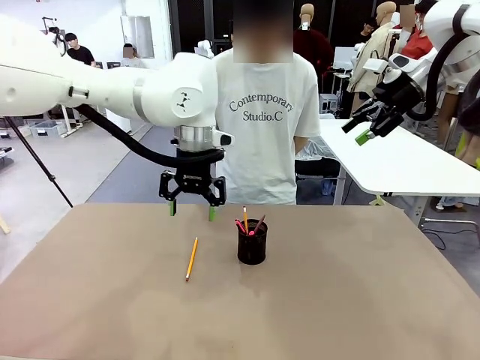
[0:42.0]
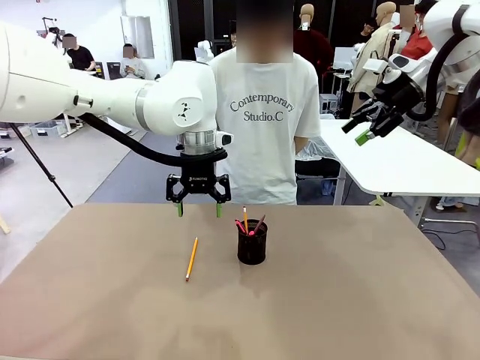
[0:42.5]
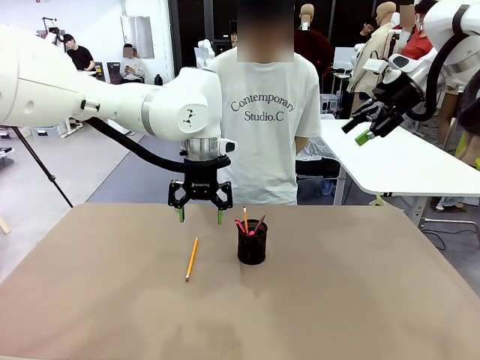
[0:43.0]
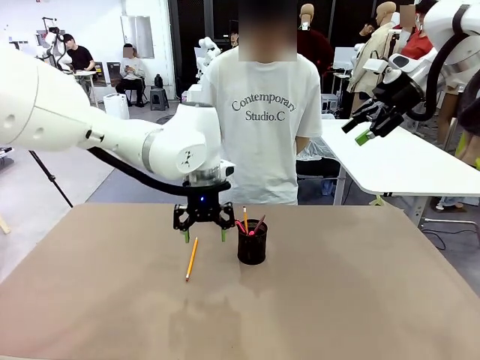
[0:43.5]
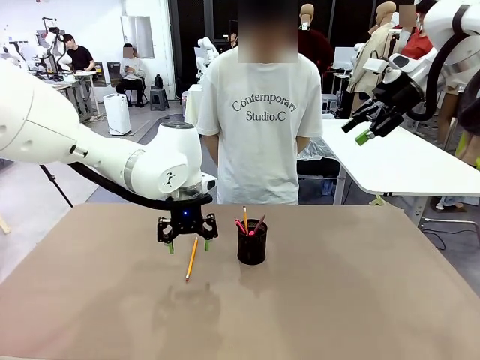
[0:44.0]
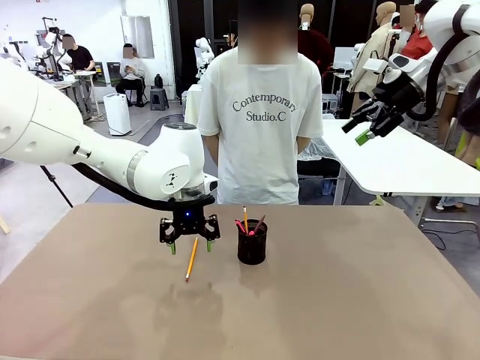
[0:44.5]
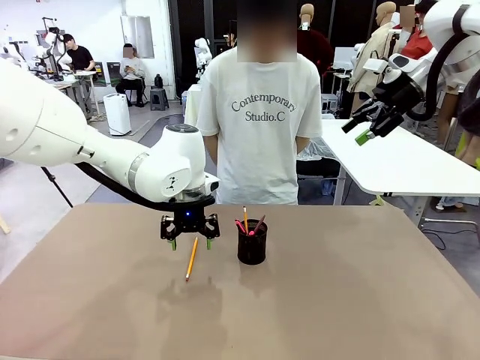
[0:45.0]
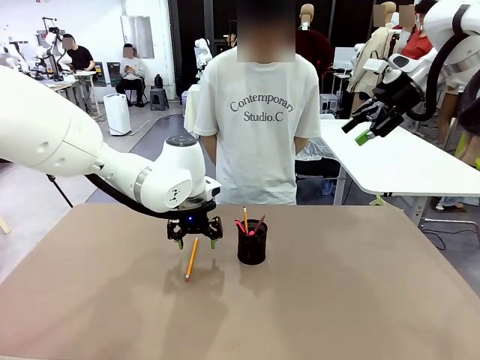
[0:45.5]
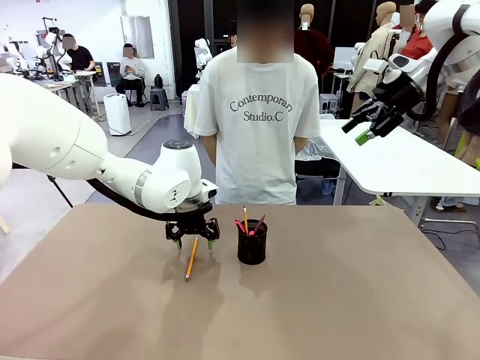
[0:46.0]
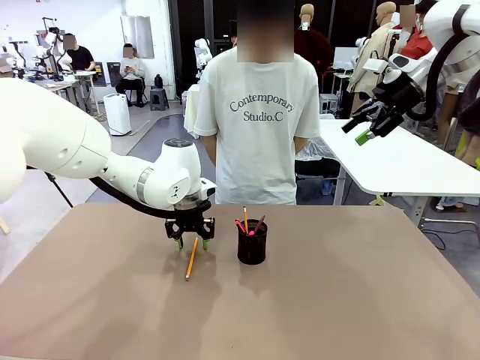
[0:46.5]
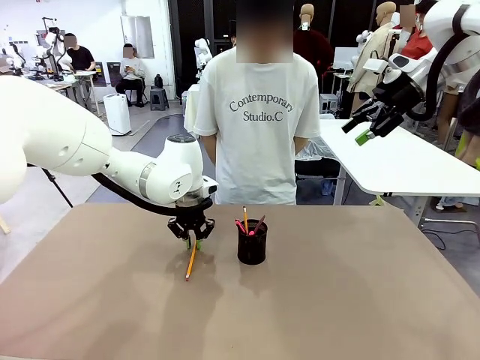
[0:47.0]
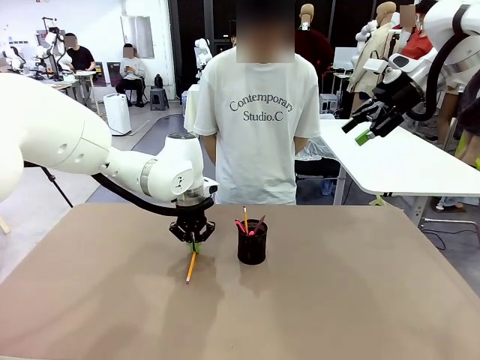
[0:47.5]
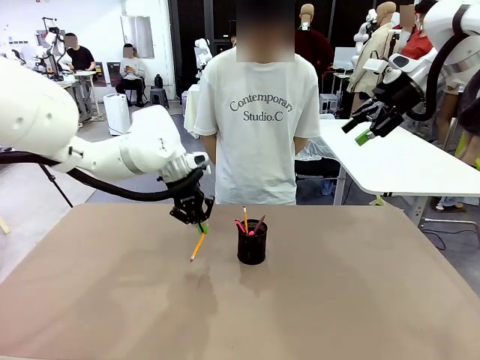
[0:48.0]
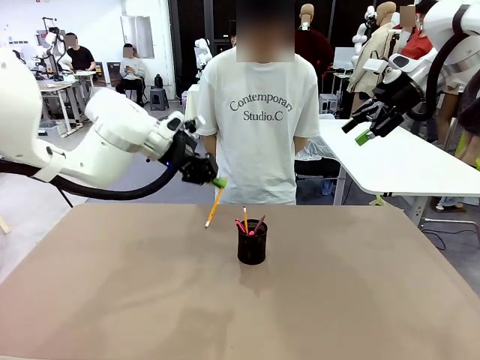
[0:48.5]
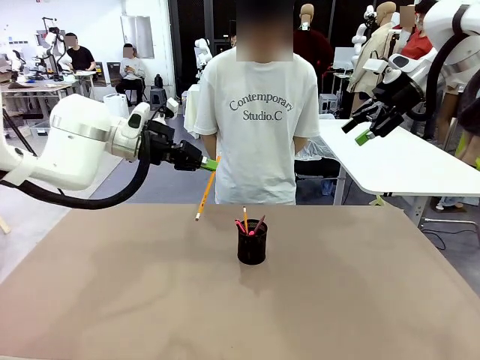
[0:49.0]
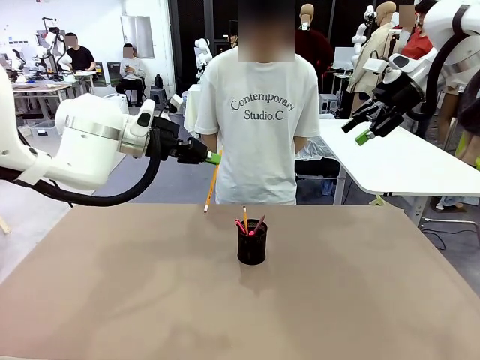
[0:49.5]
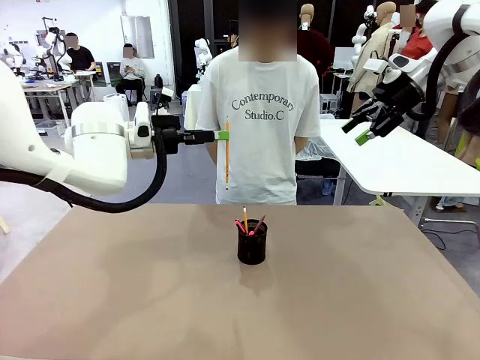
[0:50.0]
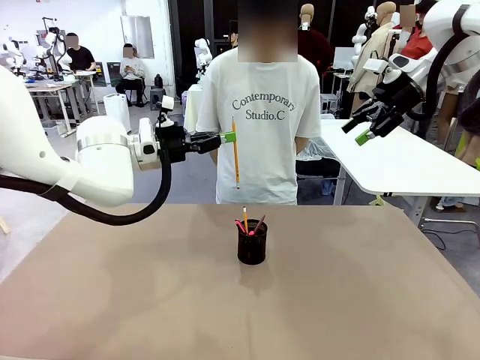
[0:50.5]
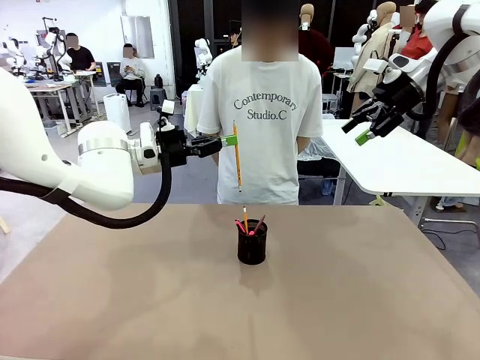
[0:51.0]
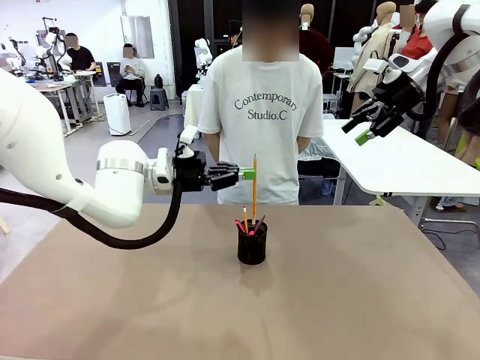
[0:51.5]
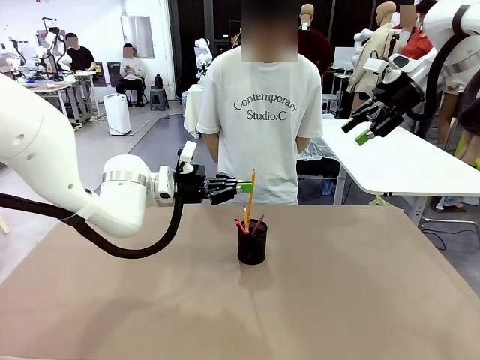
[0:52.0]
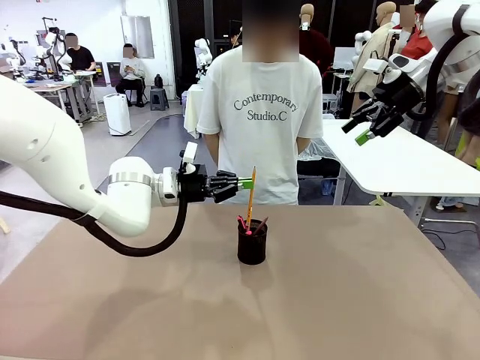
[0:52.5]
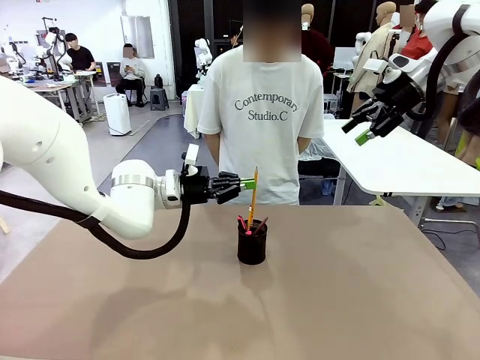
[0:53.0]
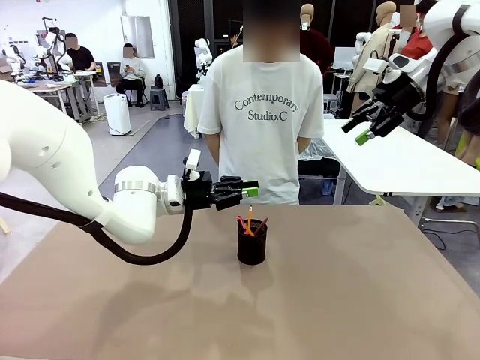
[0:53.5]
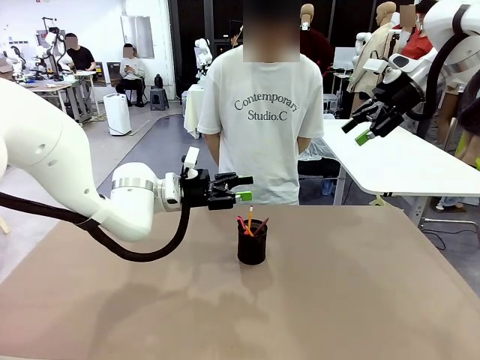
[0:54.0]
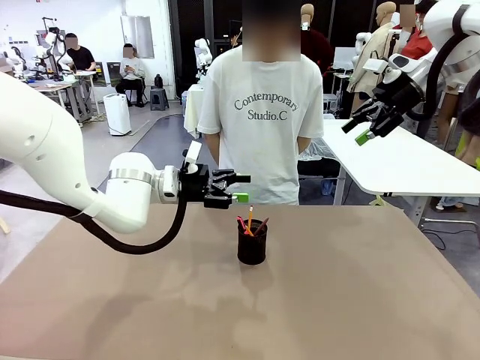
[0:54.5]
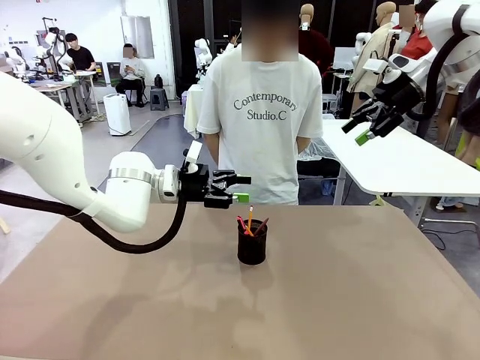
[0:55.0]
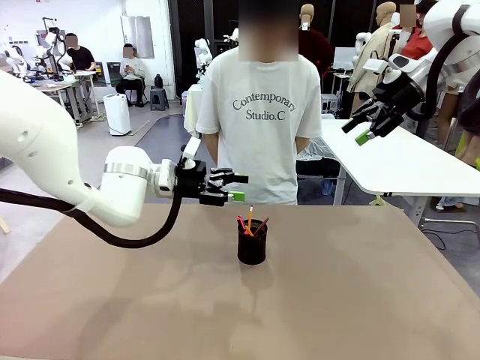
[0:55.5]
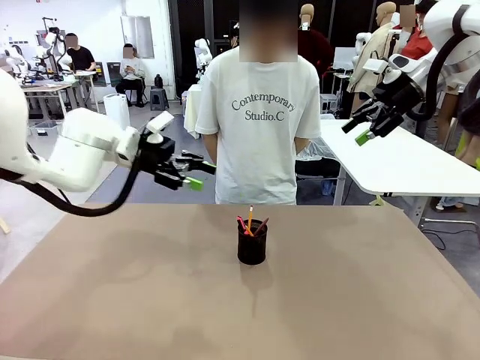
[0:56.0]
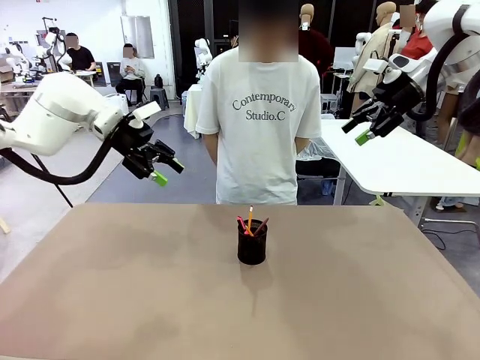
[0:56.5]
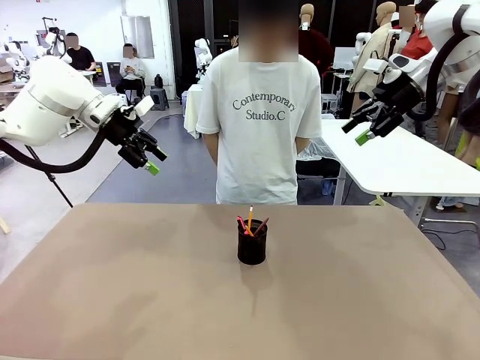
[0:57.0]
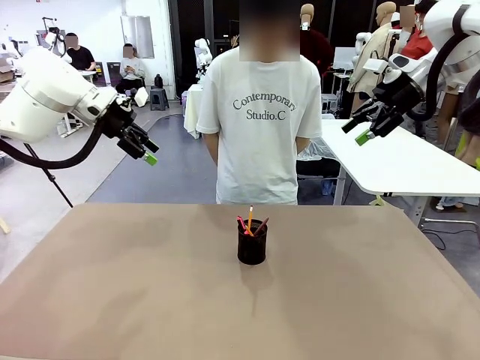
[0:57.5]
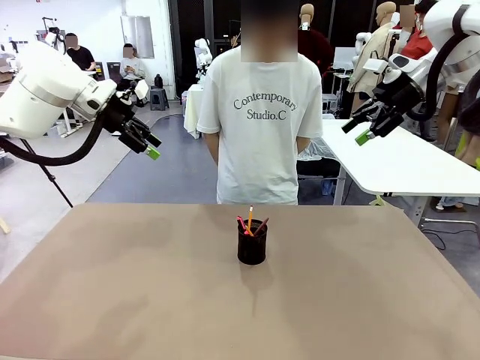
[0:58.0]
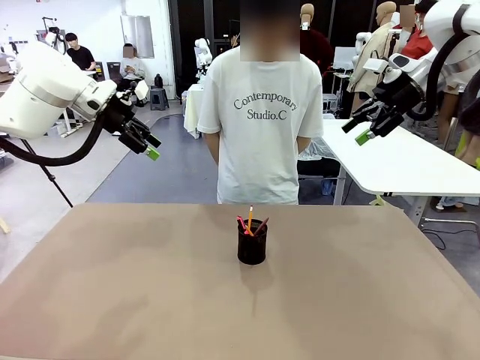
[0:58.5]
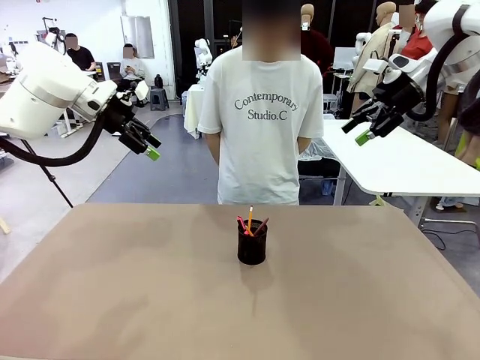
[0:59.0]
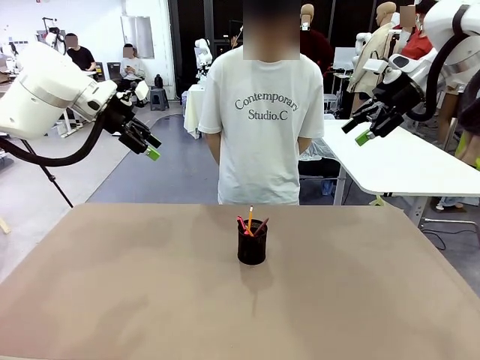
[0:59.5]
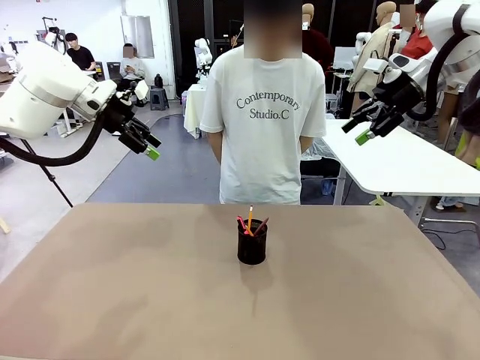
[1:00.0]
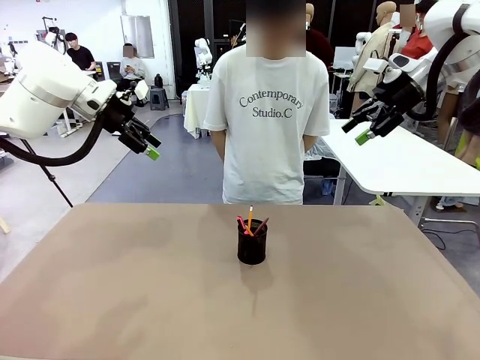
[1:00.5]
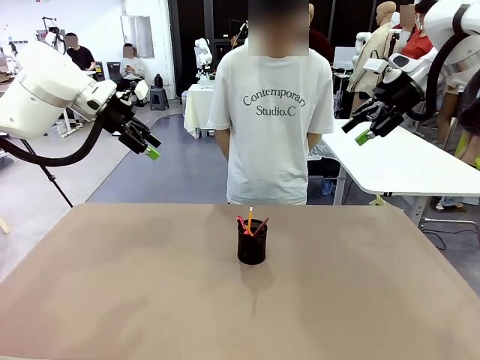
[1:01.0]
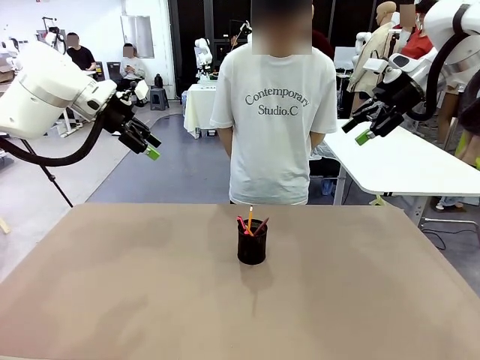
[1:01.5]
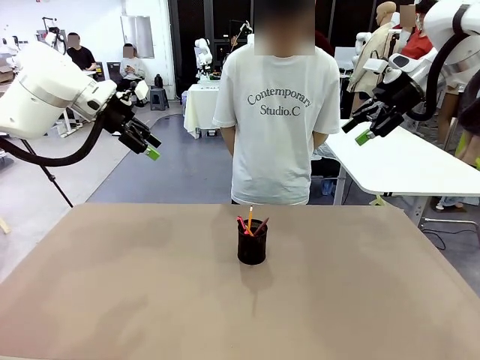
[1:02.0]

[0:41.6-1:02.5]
Task: Place the pens into the pen holder.
Robot: Pick up a writing instrument from the table and place it into the Pen holder.

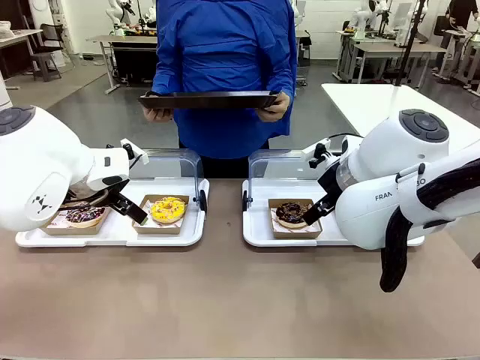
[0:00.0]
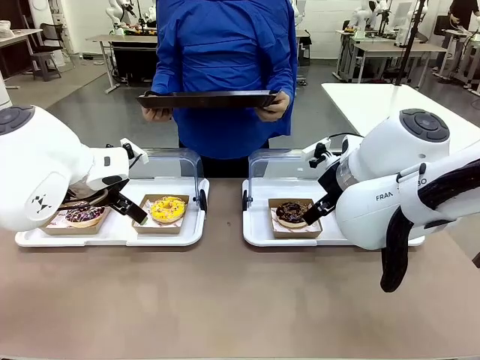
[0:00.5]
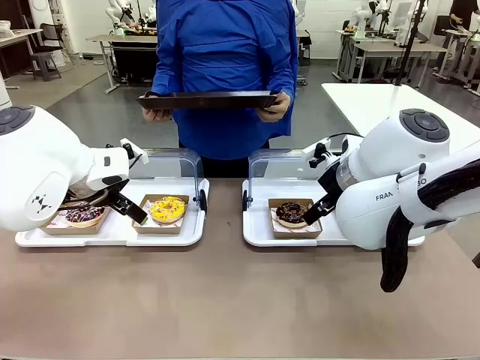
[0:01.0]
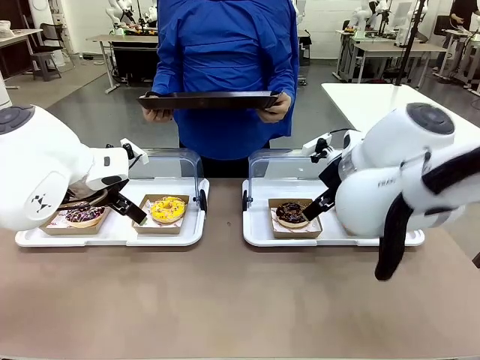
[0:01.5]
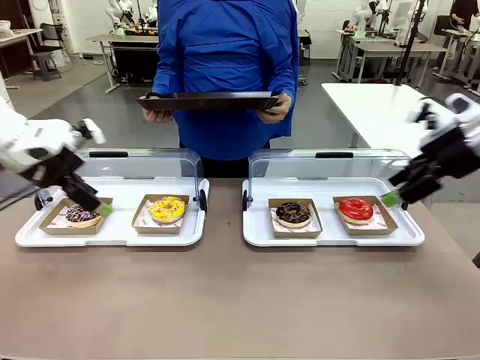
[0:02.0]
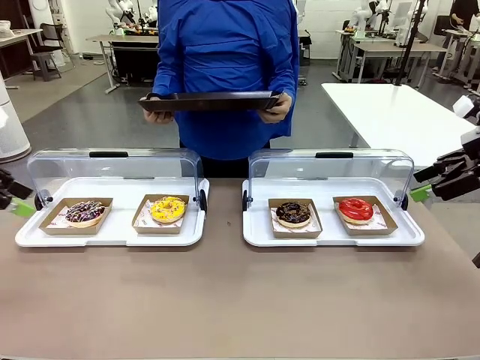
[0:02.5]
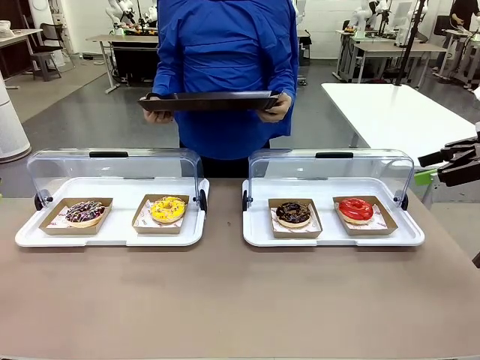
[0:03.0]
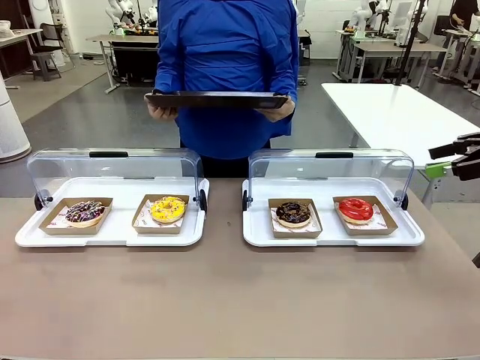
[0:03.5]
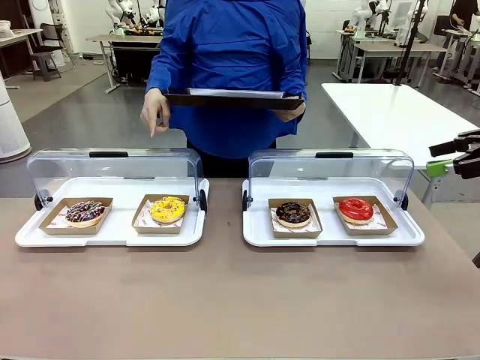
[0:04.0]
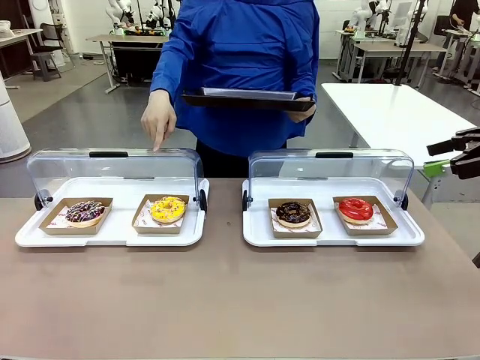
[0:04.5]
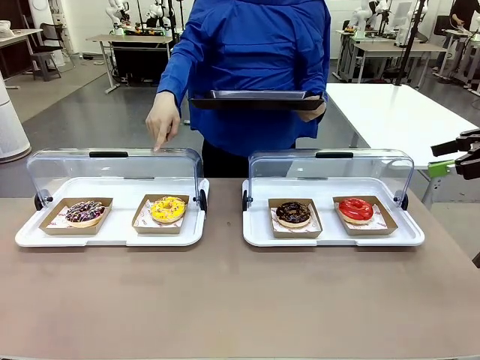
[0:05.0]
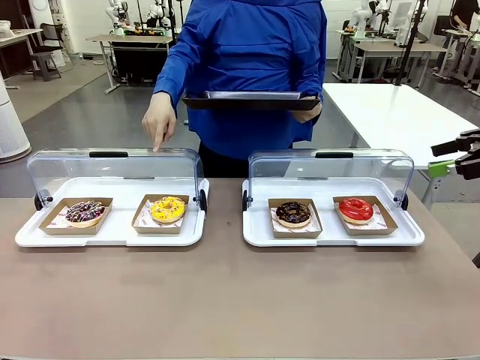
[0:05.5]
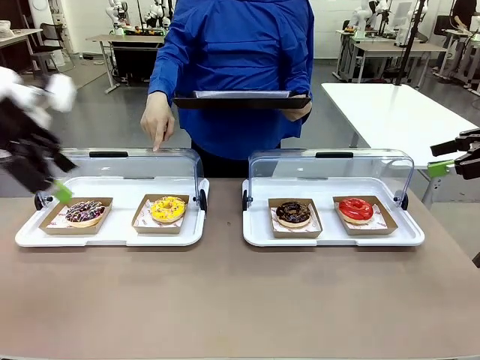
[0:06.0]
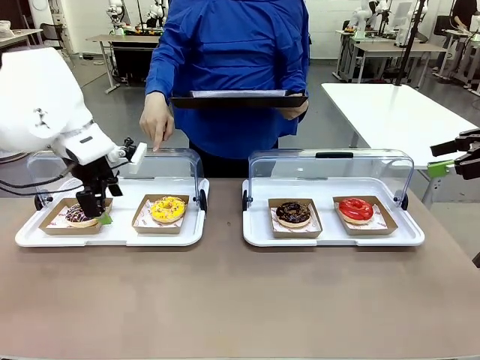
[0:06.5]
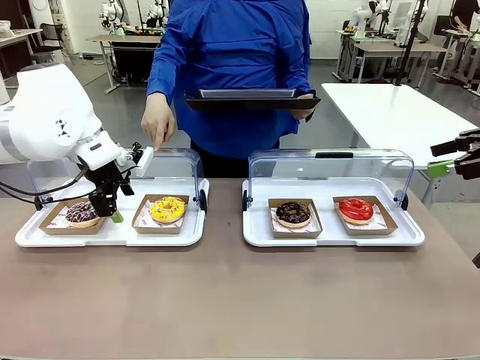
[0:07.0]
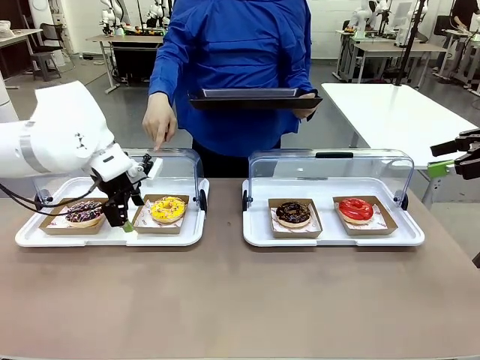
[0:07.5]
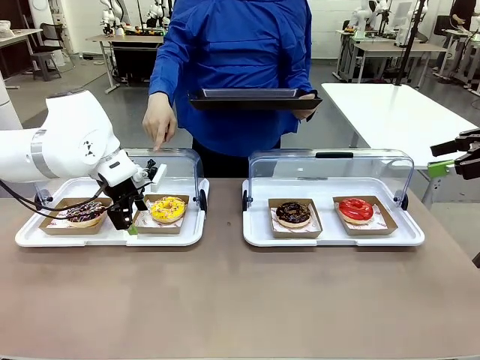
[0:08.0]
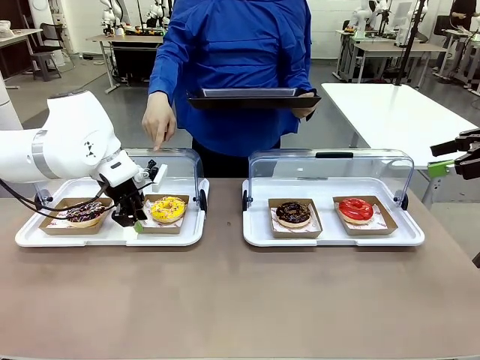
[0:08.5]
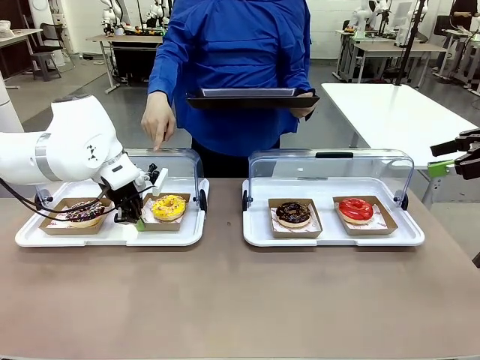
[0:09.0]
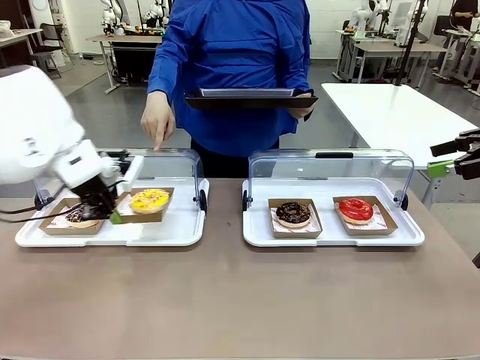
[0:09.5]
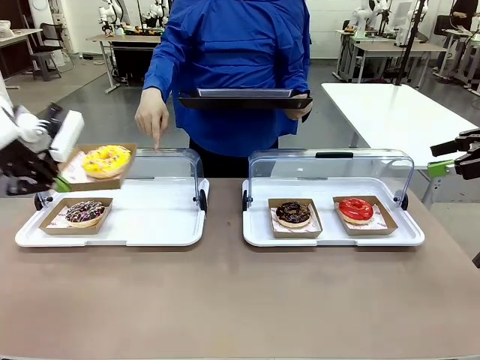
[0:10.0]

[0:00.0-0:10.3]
Task: Provide the desired donut to the person.
Robot: Pick up and lift the Paper togo box containing the Donut pointed at by the person.
Person: Point to one donut. Lift the tray onto the Roll-Top Bakery Case.
